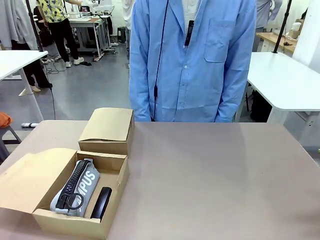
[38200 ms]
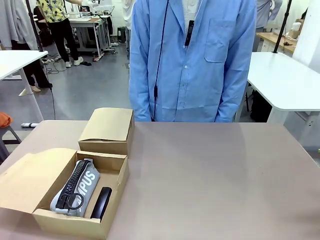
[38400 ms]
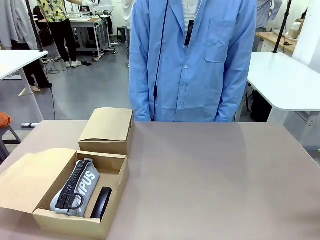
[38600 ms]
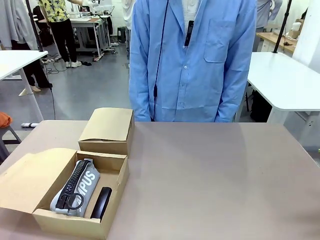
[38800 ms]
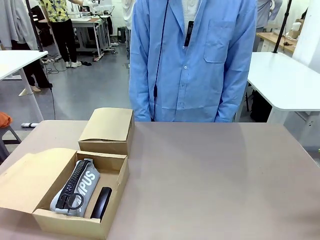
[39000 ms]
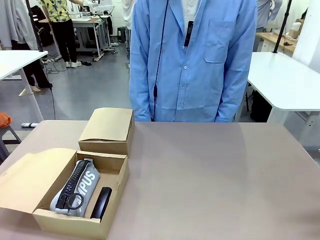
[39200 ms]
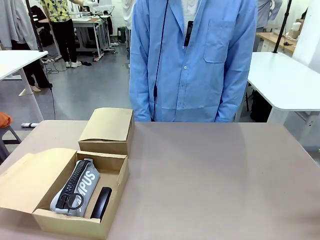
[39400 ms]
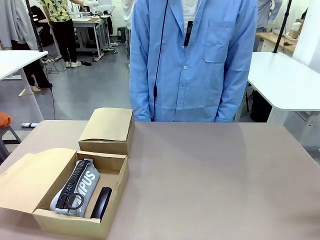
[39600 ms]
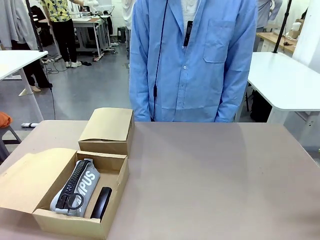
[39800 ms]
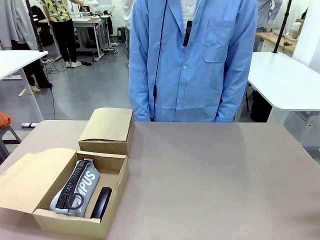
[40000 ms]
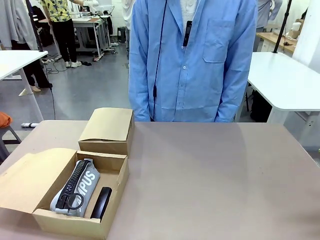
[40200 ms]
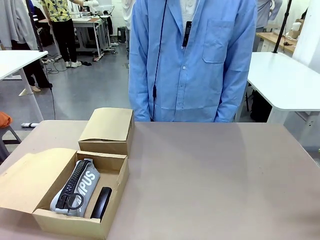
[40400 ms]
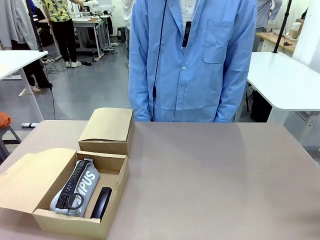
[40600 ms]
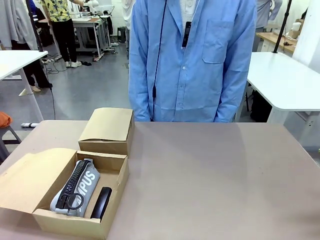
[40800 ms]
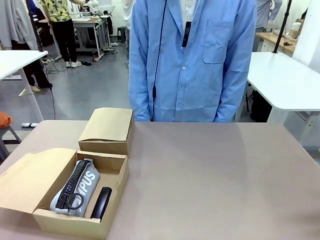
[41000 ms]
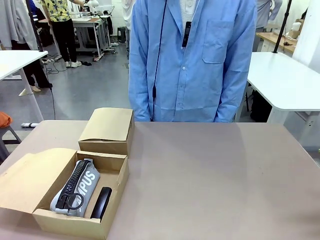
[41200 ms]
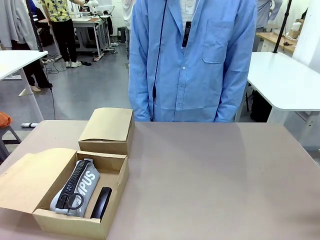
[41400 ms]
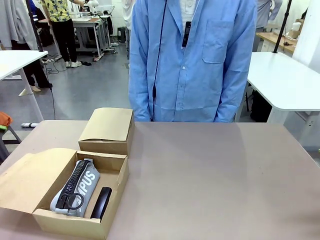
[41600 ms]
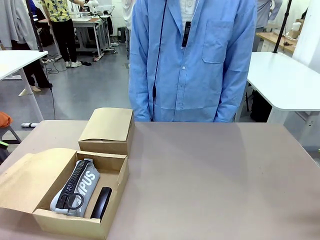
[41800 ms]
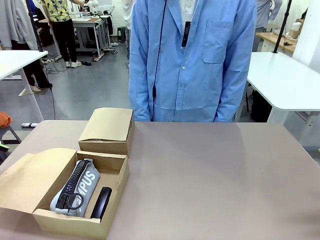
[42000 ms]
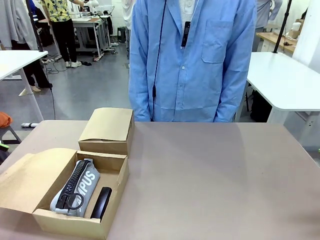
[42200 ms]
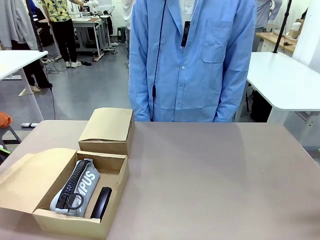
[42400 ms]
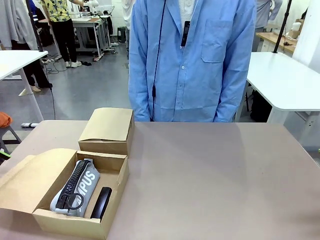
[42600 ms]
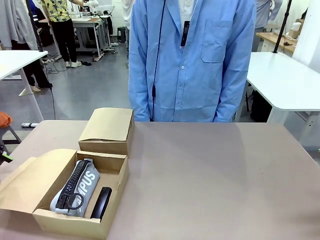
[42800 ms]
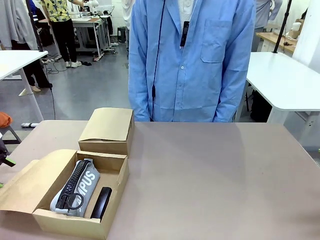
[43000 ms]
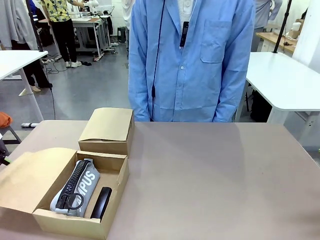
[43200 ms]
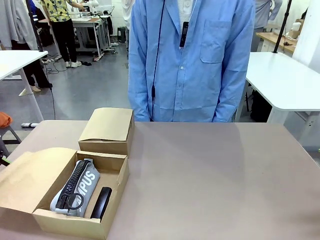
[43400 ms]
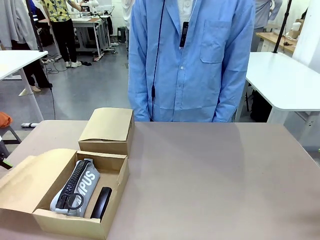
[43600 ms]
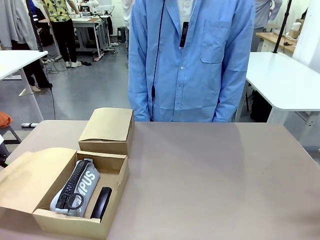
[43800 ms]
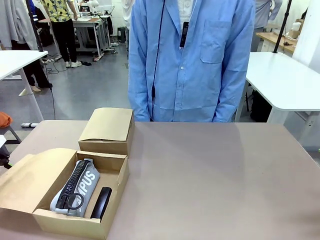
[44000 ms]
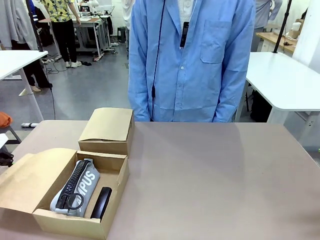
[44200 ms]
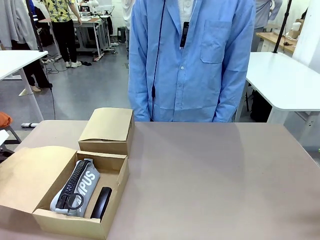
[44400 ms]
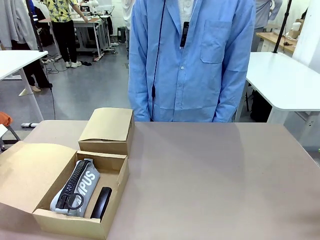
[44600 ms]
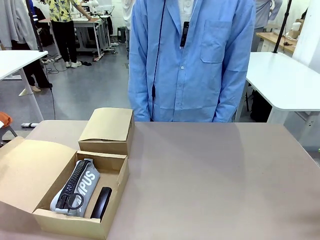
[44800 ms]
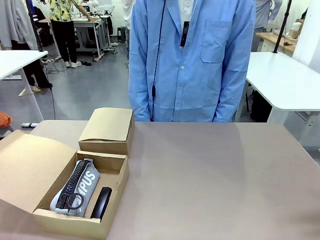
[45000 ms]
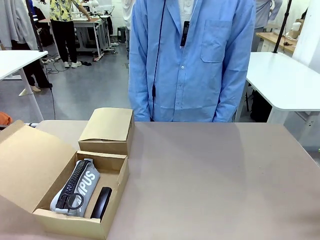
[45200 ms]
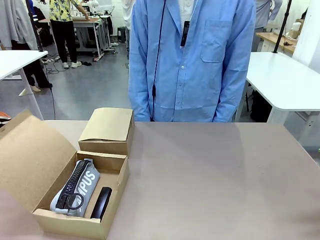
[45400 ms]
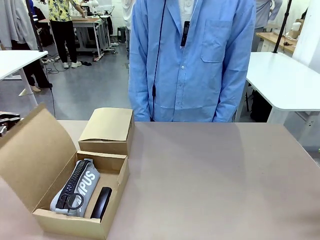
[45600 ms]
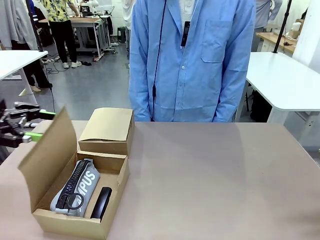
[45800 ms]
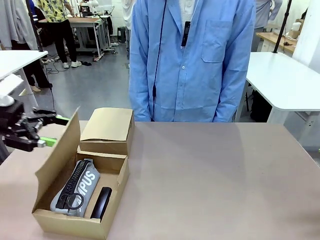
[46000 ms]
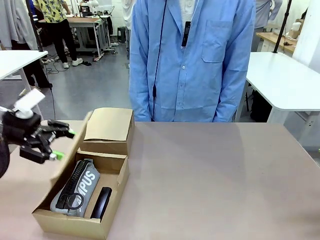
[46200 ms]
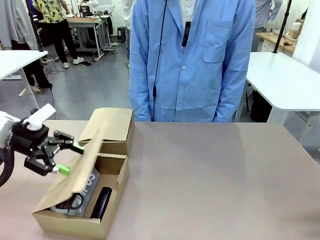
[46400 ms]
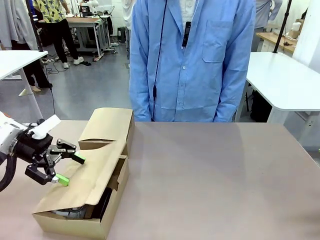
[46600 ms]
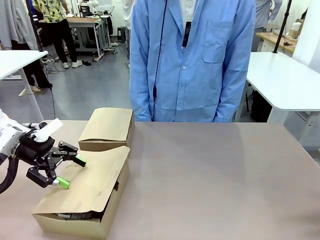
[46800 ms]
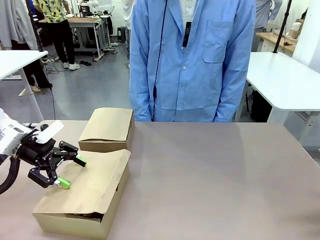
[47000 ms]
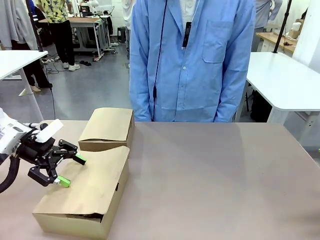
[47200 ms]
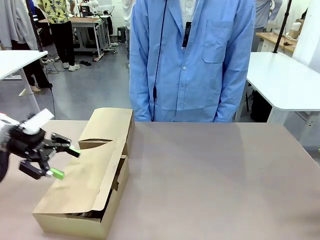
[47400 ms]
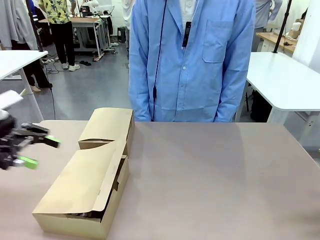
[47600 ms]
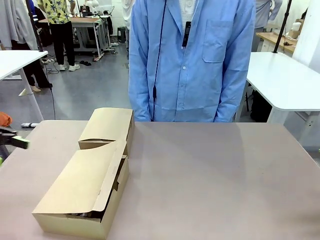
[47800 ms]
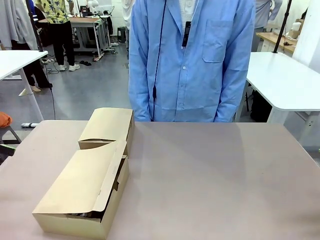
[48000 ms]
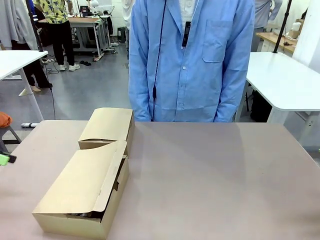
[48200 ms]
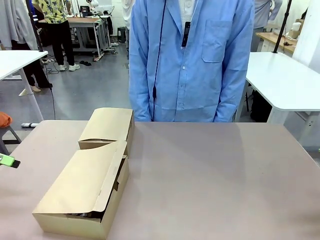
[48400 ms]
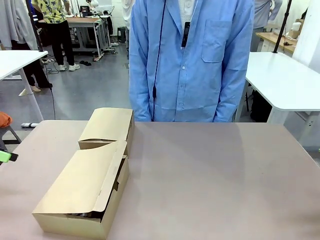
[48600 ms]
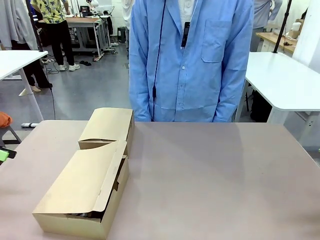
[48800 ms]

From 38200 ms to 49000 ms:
Task: Place items inside the box.
Robot: Close the lid of the Mailer Box closest to the robot.

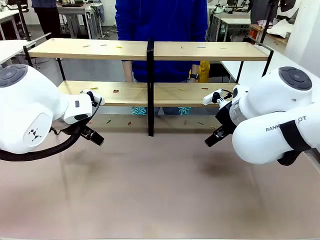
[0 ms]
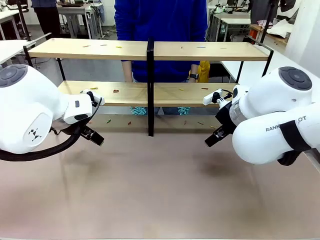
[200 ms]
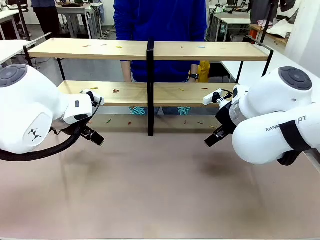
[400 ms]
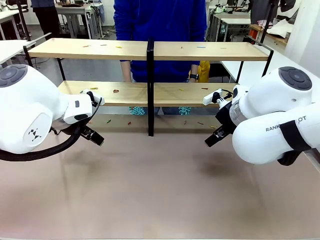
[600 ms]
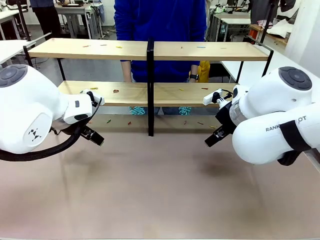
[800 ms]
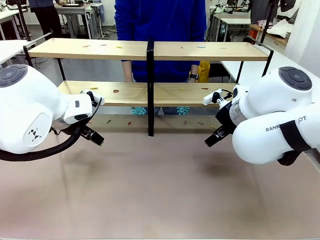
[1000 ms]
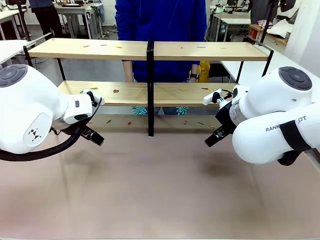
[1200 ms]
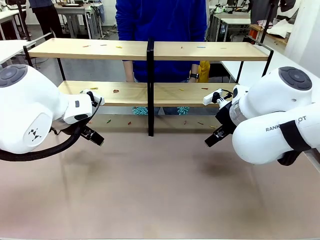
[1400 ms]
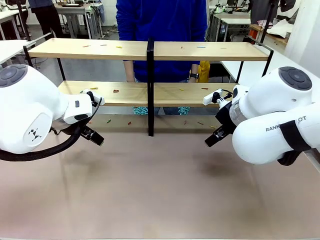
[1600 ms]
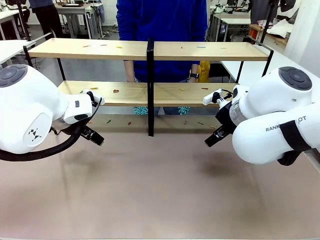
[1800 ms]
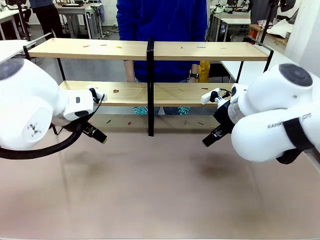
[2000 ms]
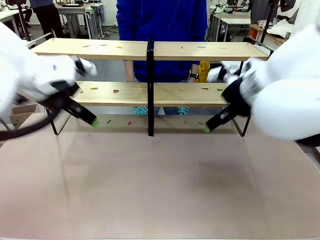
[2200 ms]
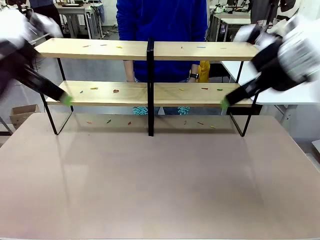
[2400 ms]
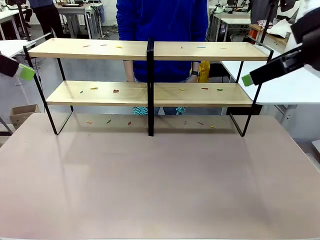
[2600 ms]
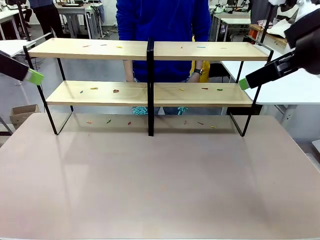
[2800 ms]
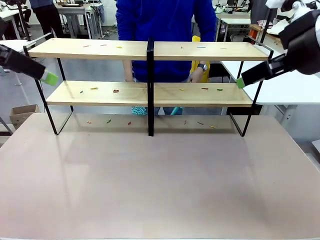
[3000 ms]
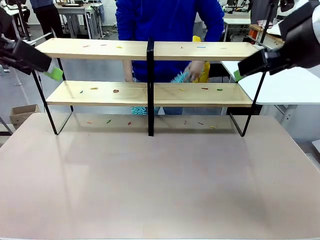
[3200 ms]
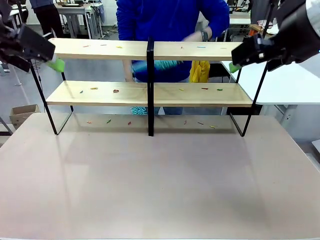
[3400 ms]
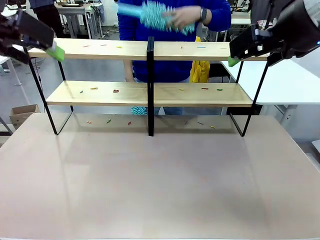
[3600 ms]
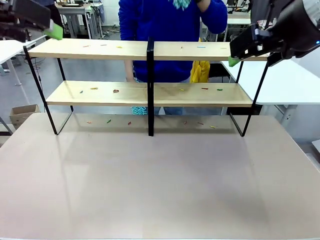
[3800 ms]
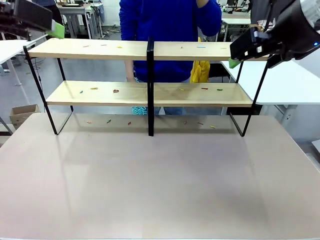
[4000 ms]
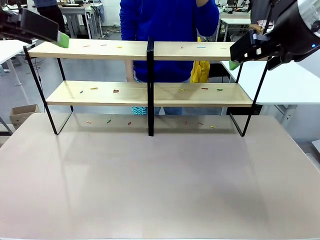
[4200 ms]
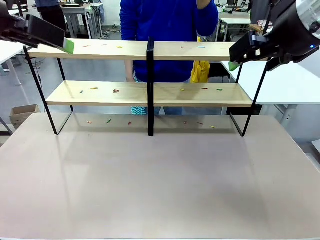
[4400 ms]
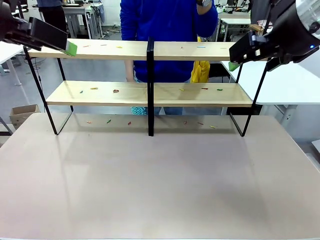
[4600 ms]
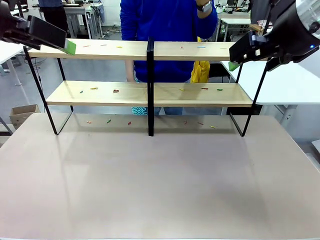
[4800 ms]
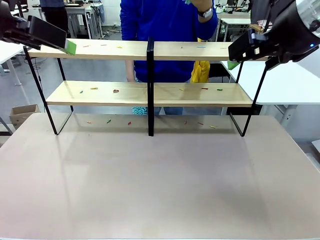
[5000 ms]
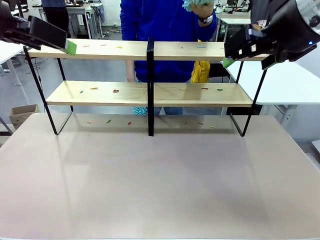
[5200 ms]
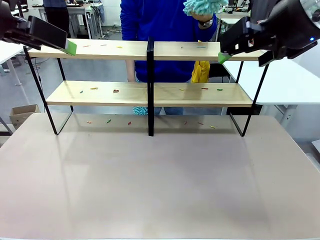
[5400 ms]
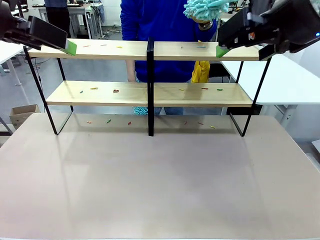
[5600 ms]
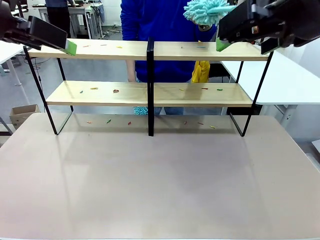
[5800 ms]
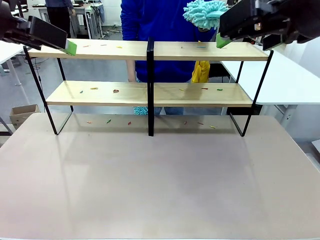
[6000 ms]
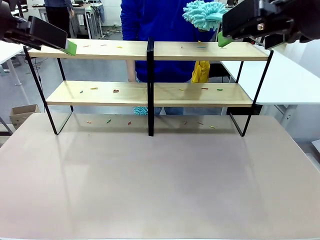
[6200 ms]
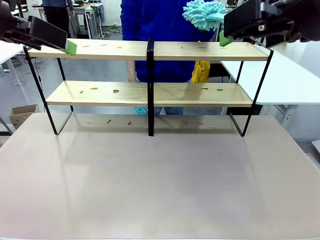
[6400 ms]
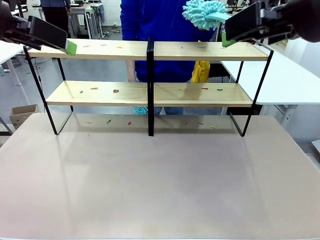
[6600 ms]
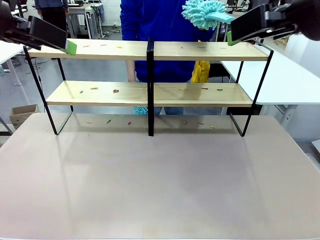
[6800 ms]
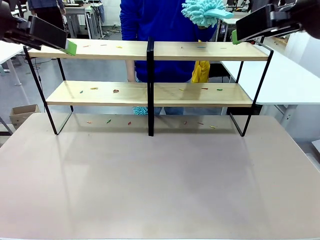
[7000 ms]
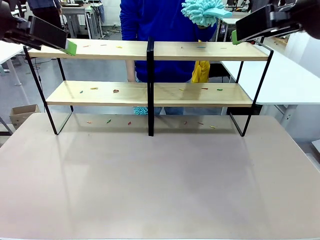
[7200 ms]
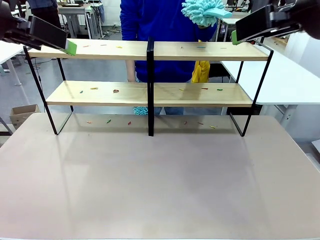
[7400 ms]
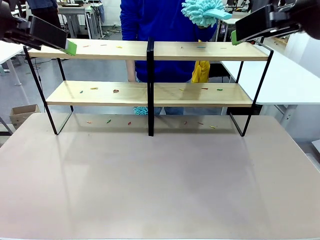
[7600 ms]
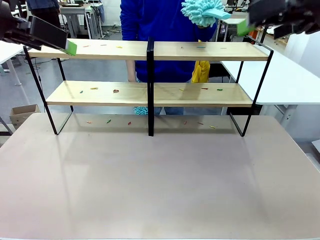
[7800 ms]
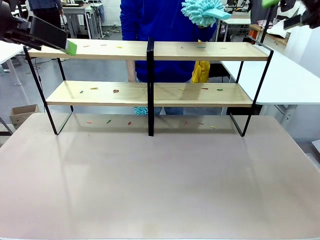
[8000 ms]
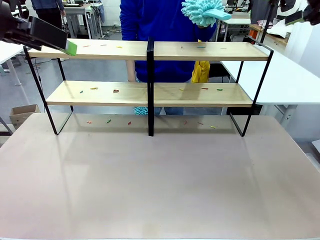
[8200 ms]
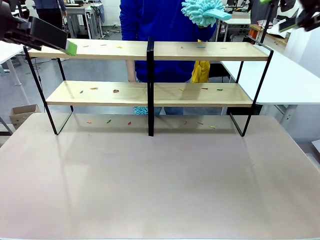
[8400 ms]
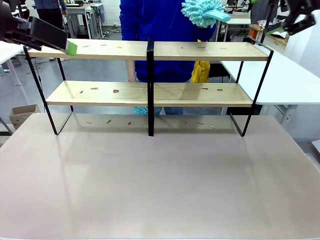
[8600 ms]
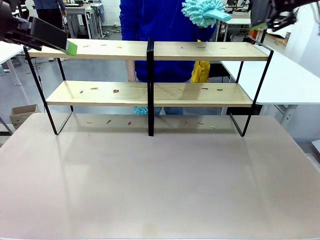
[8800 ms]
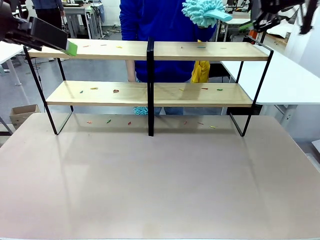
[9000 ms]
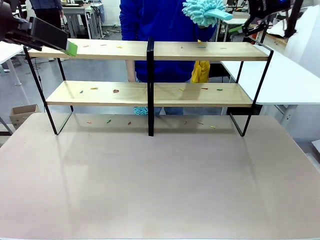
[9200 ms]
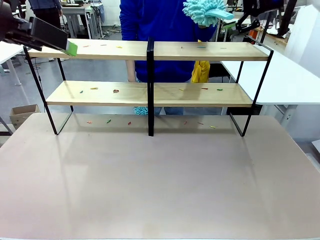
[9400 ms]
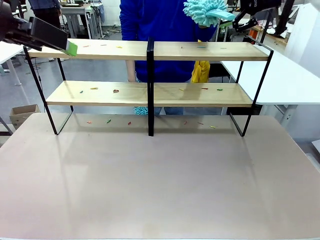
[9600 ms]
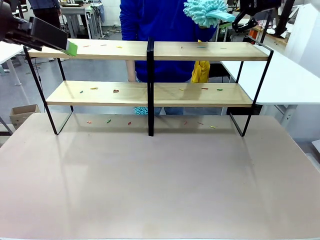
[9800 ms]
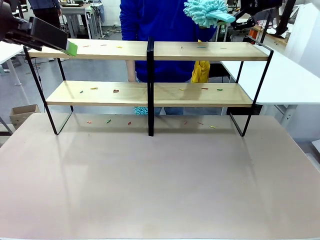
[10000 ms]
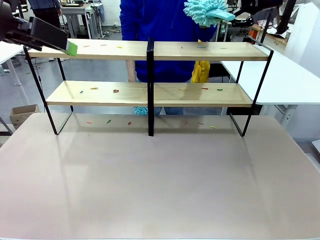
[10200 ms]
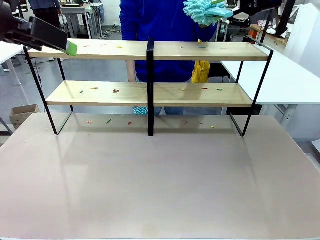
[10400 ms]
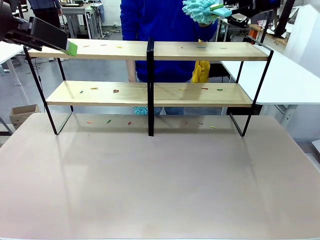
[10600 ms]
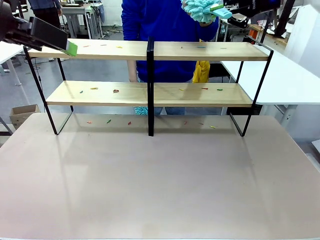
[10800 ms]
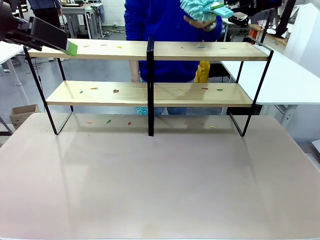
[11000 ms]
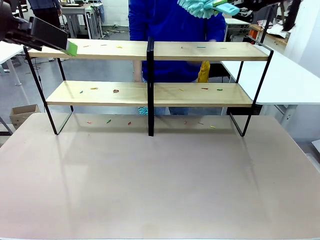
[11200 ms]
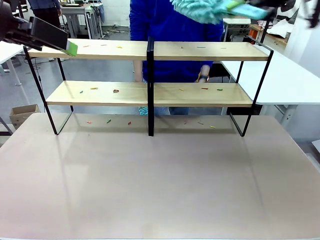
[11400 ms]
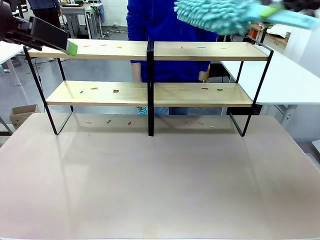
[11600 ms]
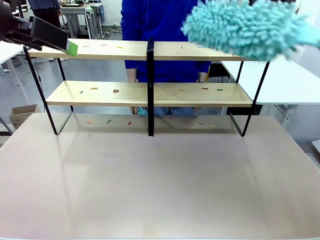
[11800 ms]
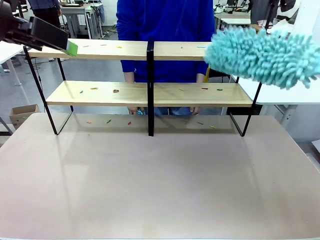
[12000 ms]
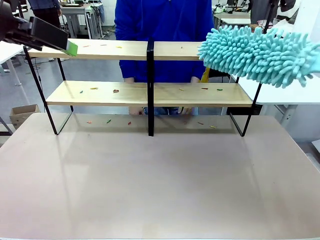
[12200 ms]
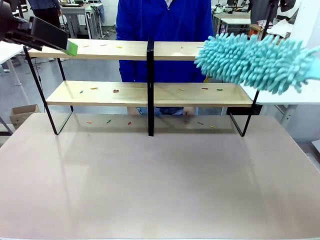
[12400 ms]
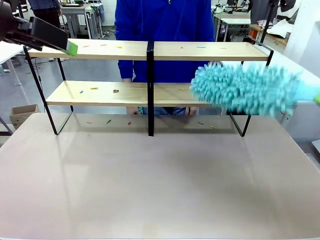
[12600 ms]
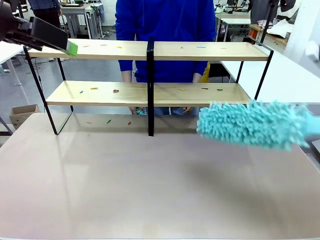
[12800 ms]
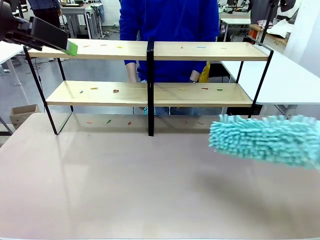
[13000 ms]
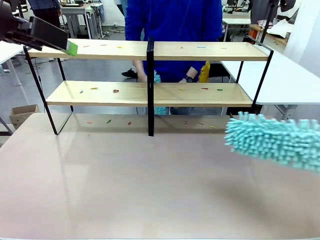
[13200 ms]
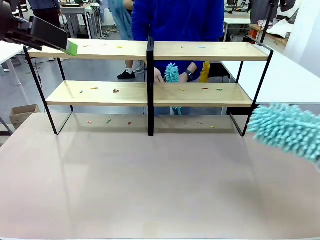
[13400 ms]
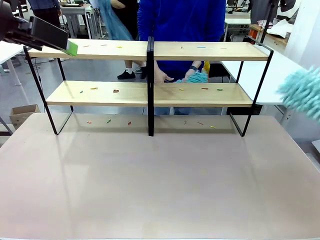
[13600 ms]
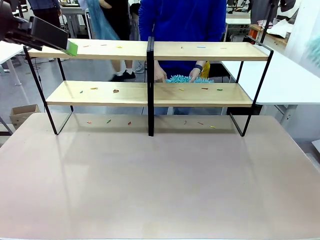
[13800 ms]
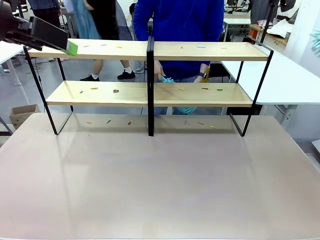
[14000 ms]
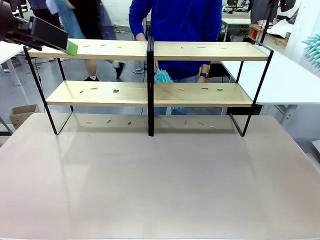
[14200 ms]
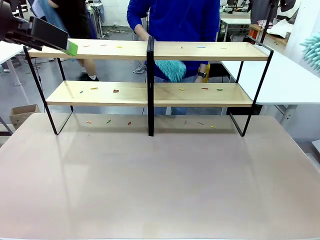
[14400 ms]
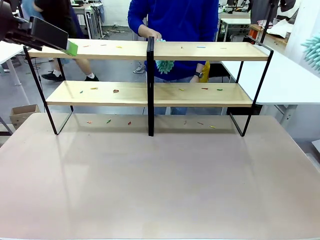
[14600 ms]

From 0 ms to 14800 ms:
Task: Clean the shelves.
Robot: Pick up the Duster when the human hands it over.
Person: Hand the Duster to the robot with your right (or left) hand.
